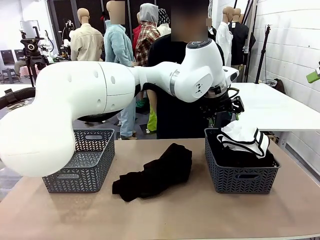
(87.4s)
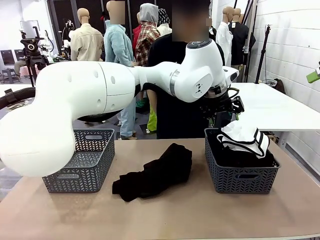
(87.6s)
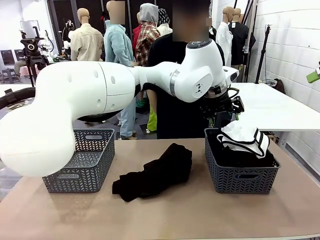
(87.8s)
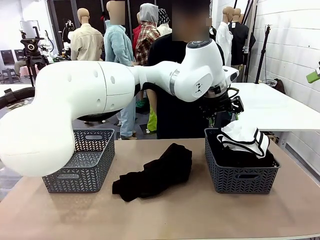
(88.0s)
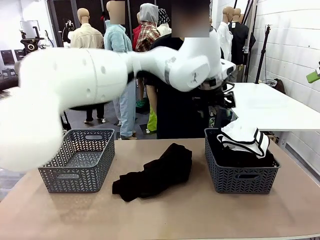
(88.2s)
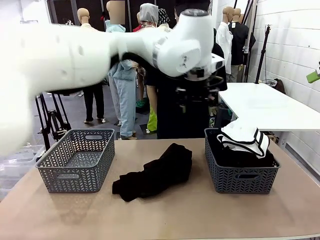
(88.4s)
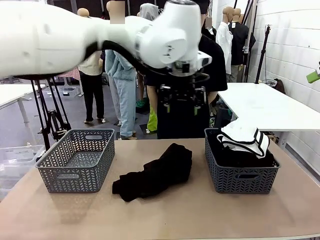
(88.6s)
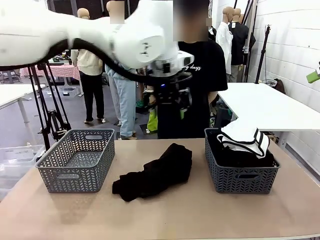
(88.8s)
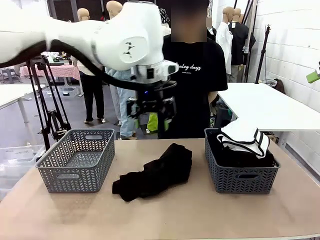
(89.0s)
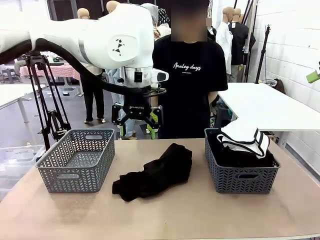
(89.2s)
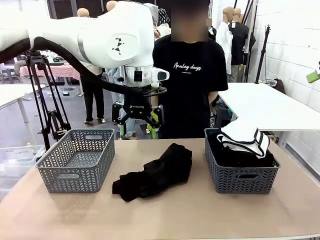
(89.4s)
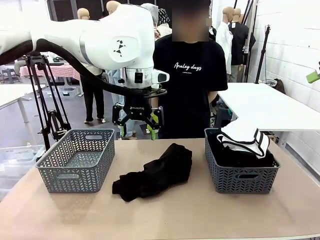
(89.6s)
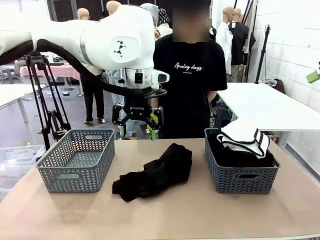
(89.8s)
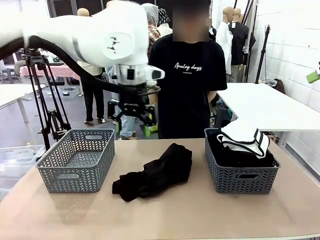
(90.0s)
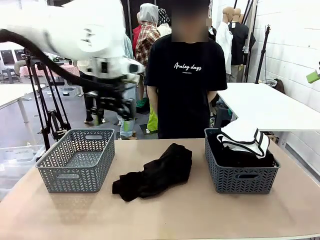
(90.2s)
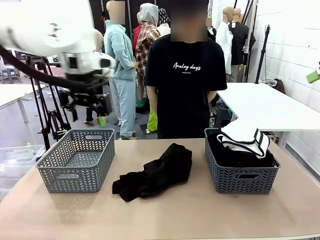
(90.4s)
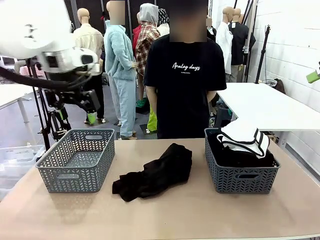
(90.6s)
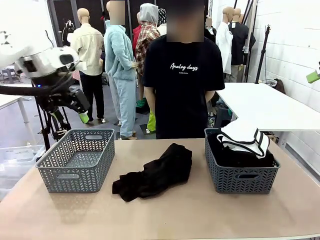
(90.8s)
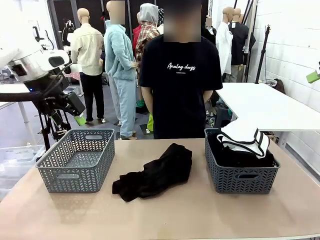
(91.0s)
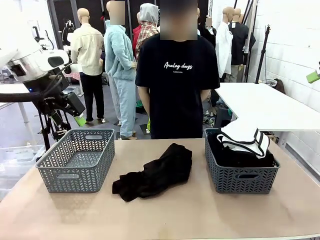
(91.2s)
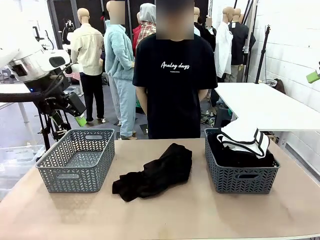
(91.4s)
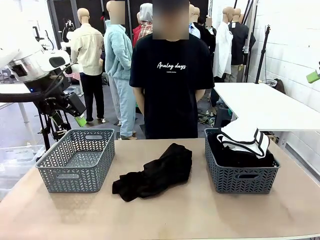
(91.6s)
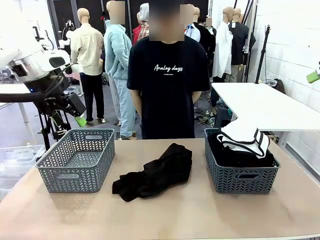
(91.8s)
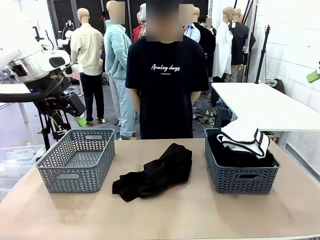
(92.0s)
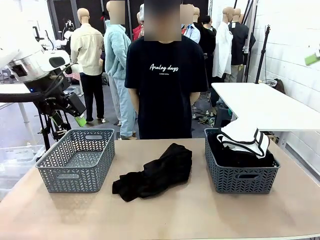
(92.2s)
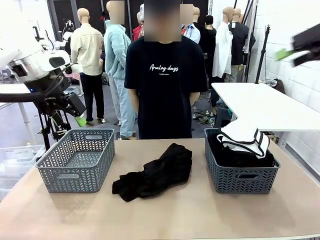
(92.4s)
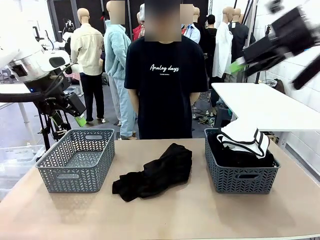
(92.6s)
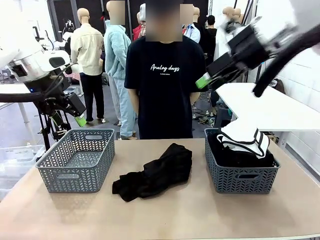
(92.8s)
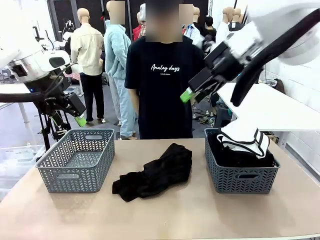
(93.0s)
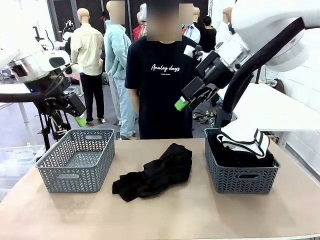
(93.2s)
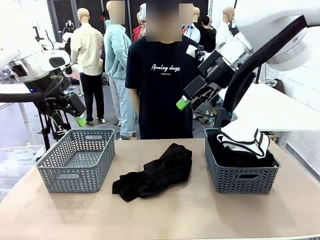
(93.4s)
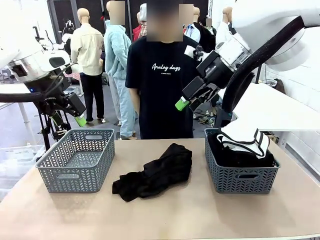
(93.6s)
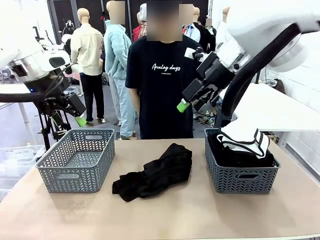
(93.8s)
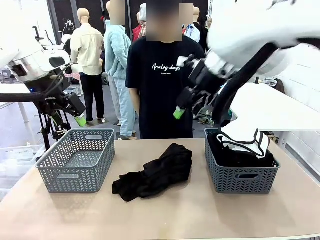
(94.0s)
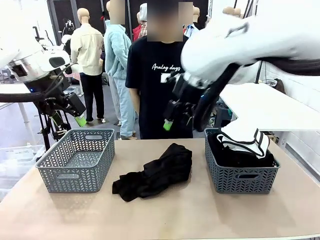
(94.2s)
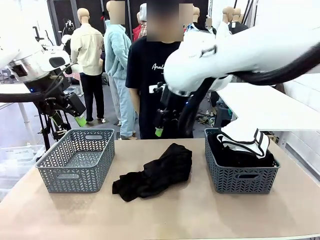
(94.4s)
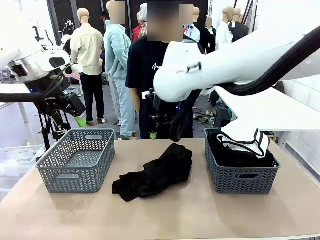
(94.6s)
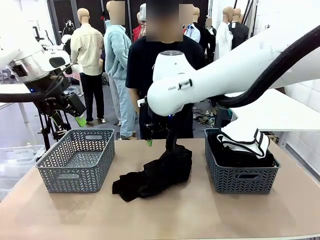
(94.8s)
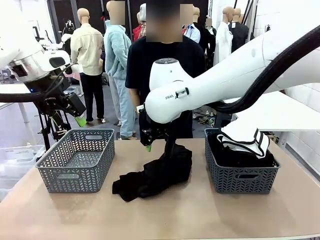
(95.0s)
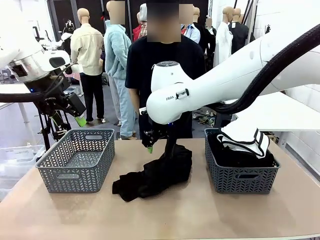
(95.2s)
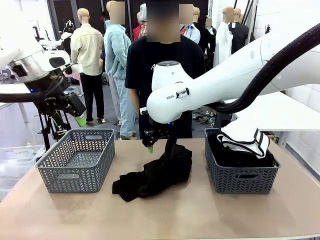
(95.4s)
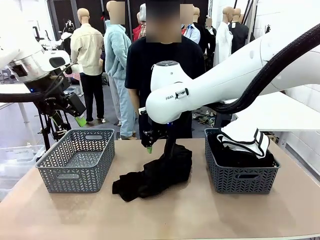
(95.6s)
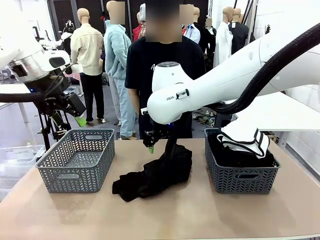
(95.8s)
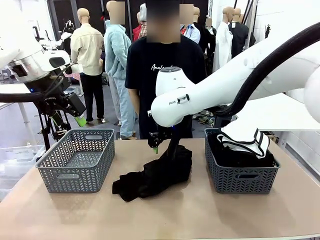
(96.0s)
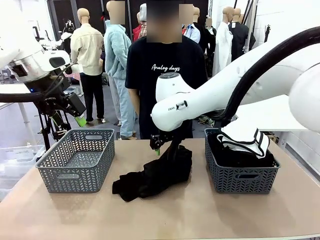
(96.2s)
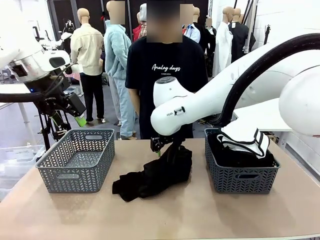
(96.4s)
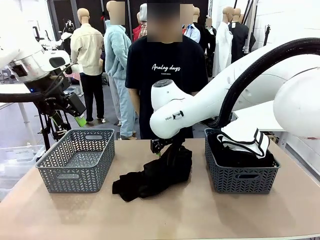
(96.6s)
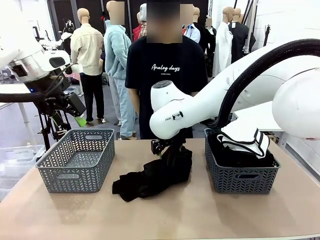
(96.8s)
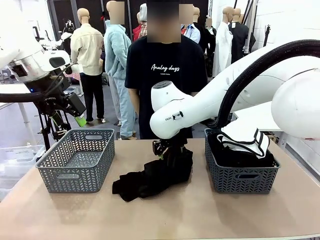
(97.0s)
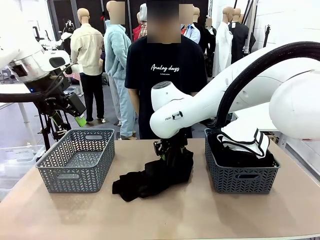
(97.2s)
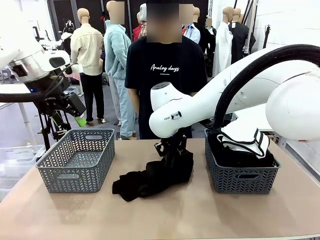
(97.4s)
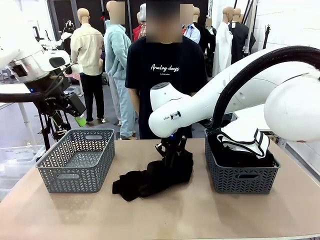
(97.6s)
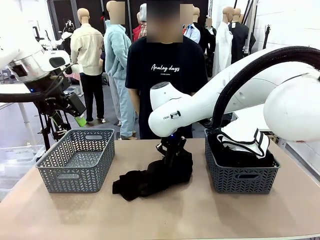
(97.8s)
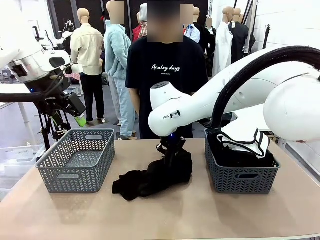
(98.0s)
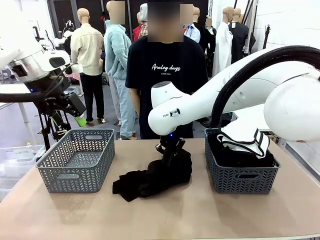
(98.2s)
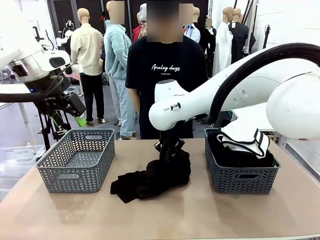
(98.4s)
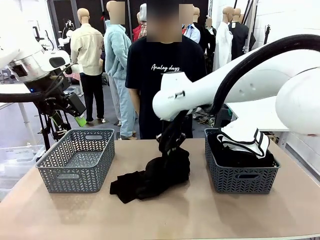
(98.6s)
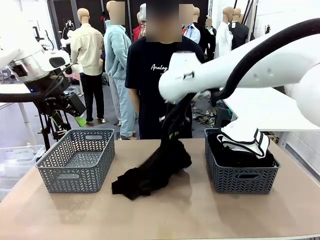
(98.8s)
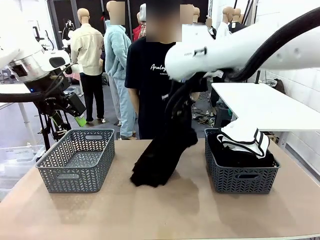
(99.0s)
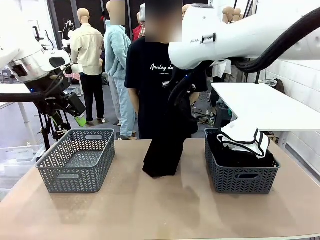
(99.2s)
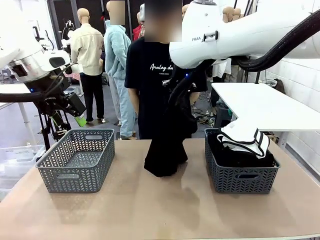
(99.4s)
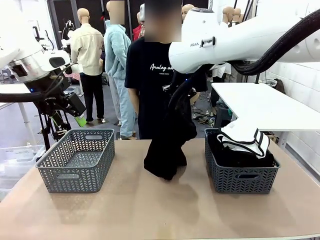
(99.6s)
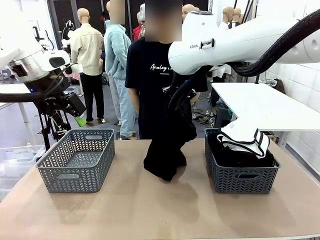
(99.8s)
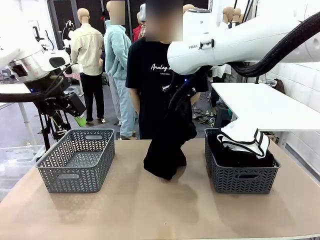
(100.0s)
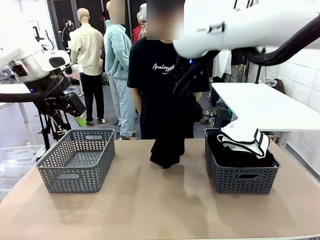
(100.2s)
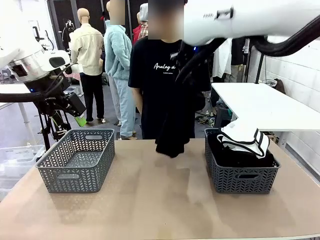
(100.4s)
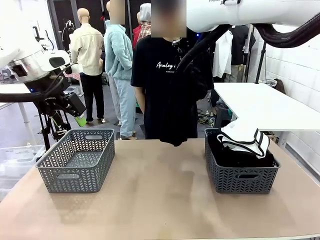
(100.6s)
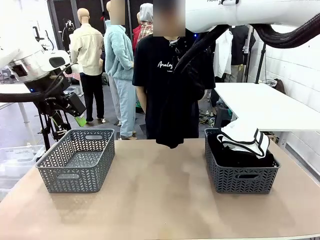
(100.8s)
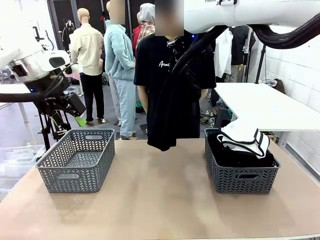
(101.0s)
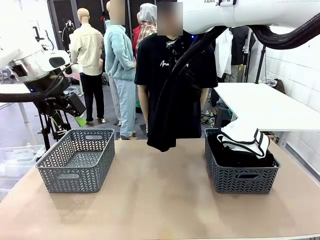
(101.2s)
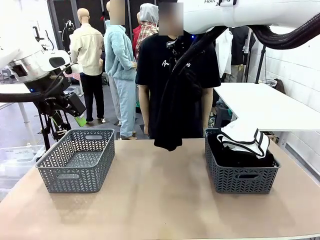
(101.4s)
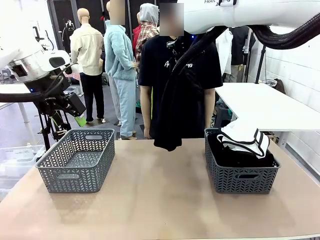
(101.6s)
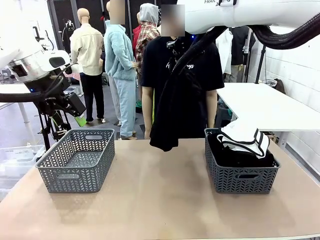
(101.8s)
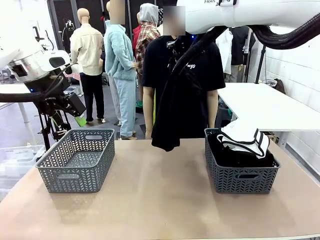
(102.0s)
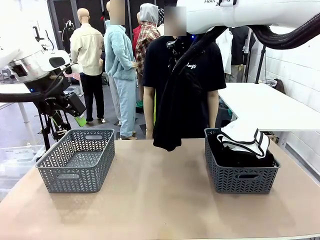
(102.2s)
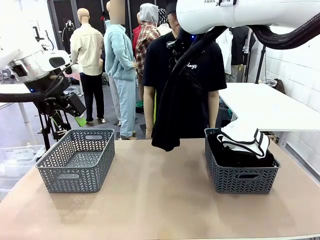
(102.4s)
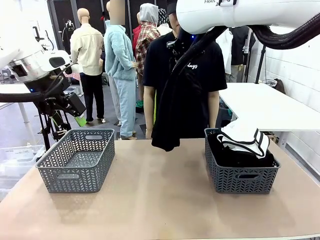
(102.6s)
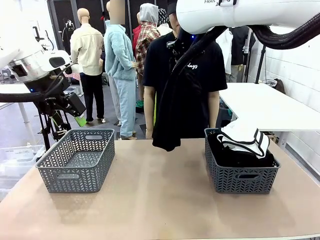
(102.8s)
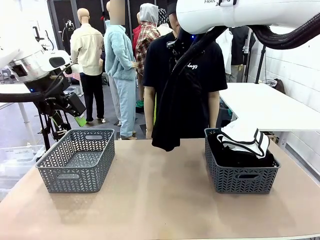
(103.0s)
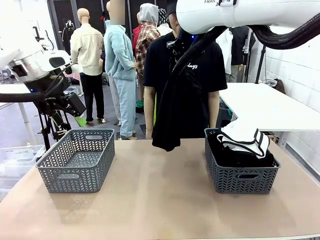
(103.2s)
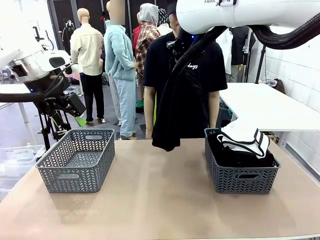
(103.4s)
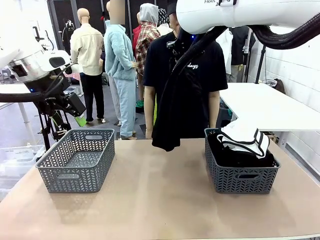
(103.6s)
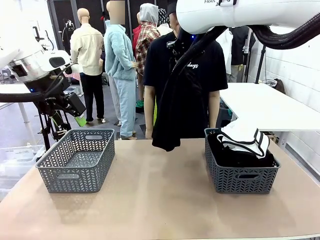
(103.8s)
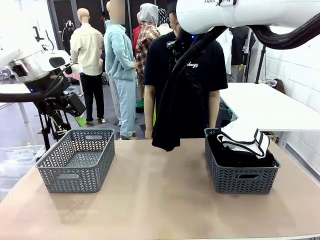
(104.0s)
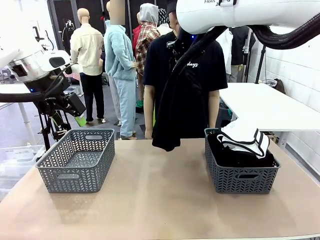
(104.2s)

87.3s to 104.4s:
Task: Sort the tops and bottoms.
Robot: Lift clothes from the center of the table with your right hand.
